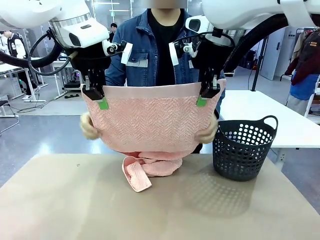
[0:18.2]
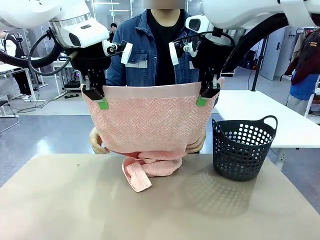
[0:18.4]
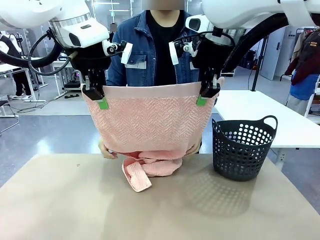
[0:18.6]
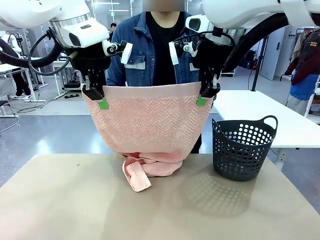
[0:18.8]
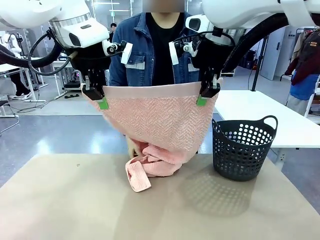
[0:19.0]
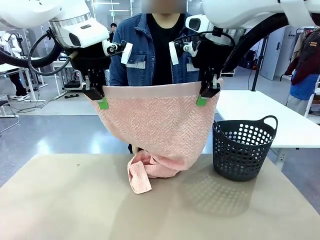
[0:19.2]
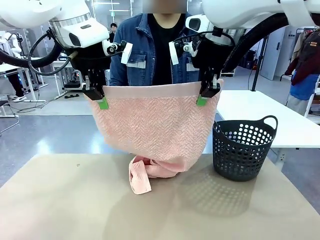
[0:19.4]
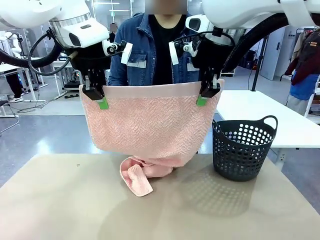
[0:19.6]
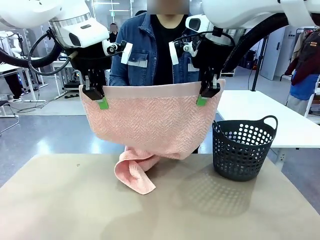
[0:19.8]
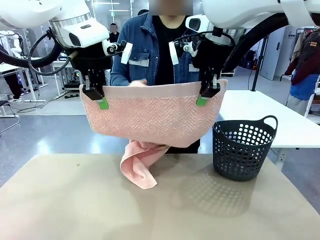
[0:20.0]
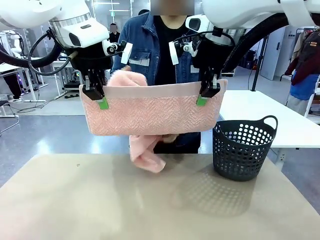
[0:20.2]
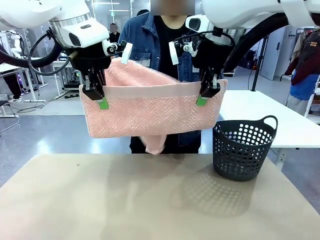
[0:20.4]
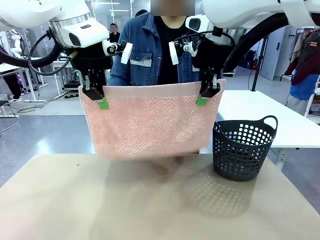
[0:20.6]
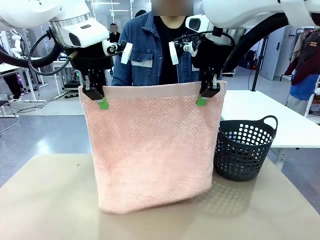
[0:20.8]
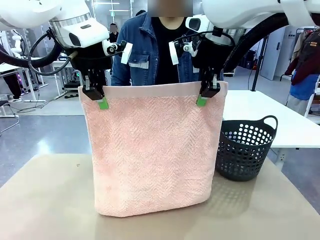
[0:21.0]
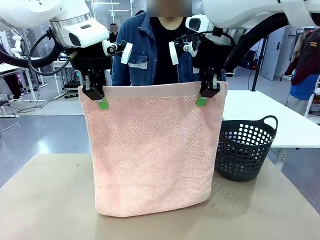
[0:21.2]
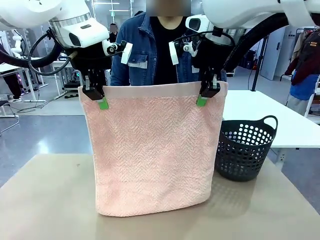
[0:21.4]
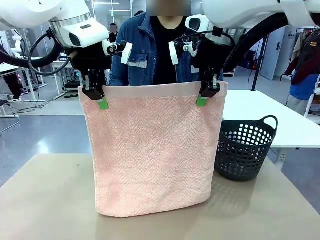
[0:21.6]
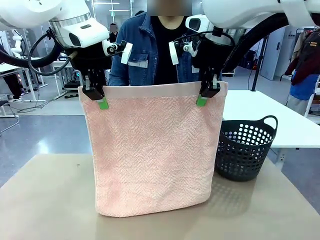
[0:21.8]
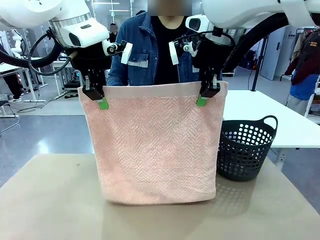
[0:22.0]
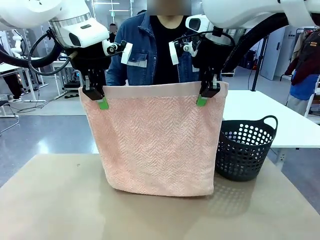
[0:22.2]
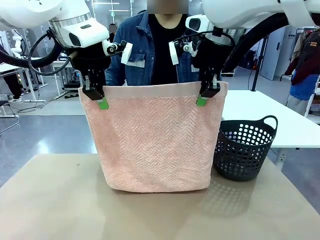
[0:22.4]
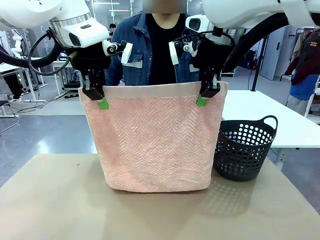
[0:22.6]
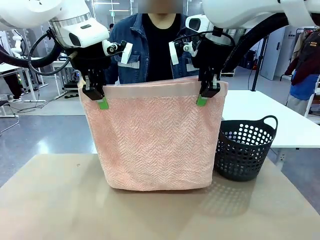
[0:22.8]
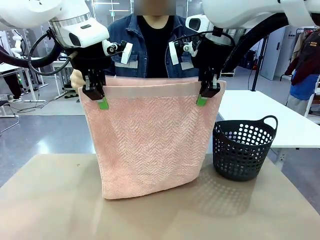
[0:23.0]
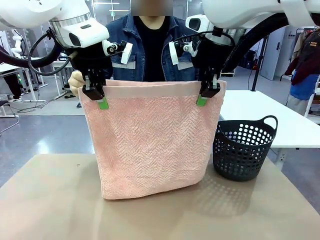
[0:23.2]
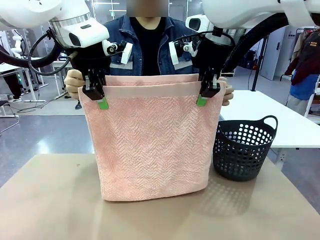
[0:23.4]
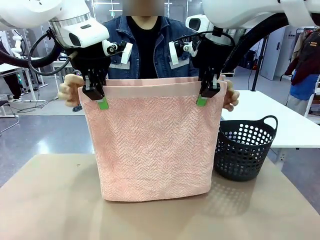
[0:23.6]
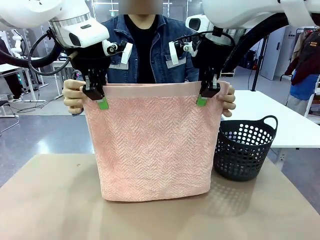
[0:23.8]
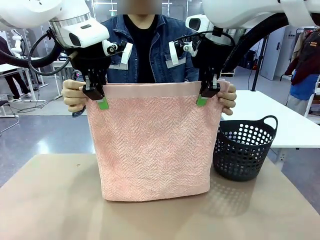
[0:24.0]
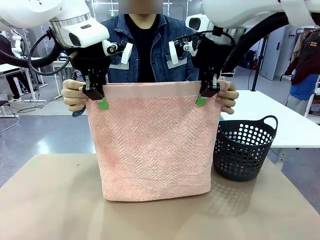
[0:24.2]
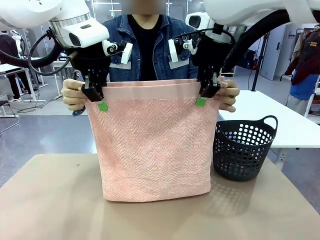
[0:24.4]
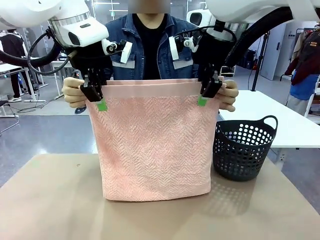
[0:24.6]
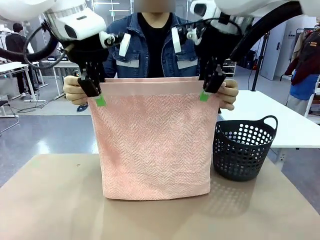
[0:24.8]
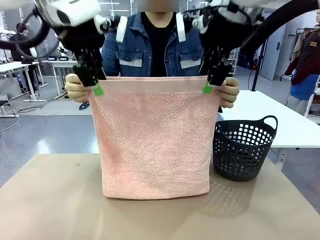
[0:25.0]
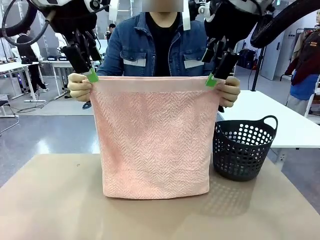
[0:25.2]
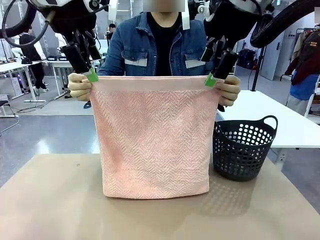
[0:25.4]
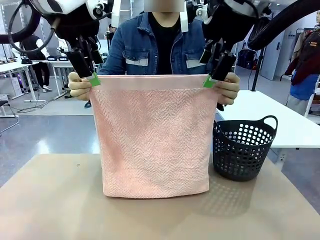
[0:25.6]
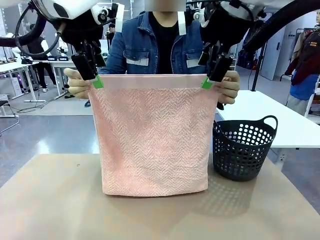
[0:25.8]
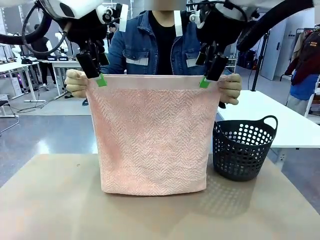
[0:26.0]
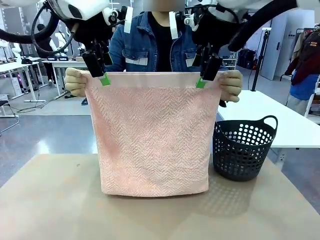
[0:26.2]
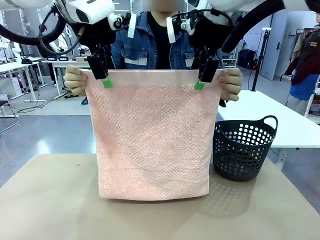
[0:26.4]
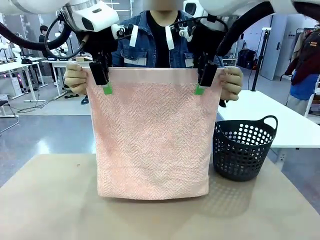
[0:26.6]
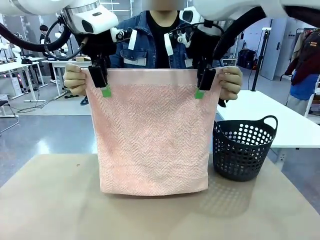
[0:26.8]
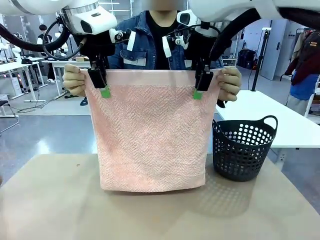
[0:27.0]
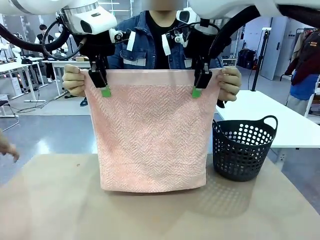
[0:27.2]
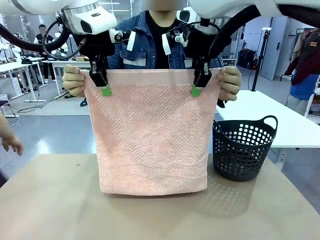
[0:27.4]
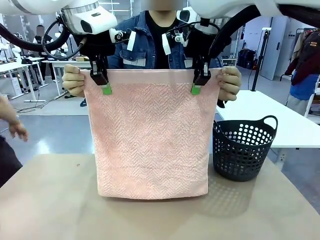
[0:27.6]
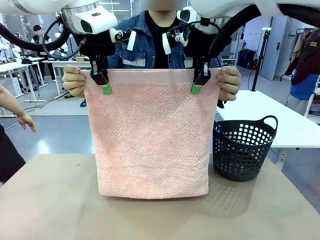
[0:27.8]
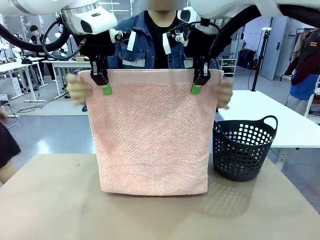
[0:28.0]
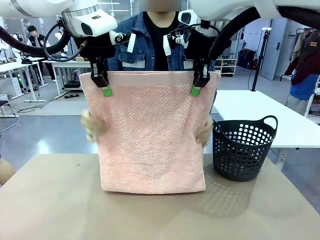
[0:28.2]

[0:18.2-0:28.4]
Task: Fold the towel.
Robot: Release the end of the 100 cm Hotel Towel you were holding and grab the top end of the folded side.
Person: Using the point held by the robot as a reference, grasp the opposite end, fold the towel in half, and then hold both ends of the folded towel.

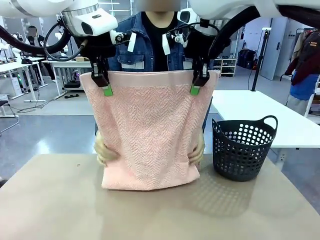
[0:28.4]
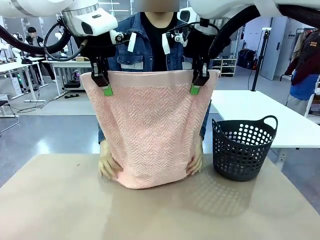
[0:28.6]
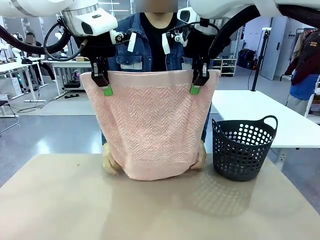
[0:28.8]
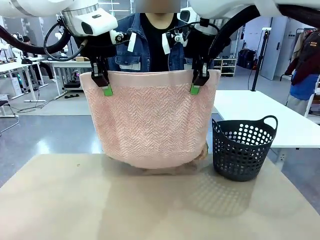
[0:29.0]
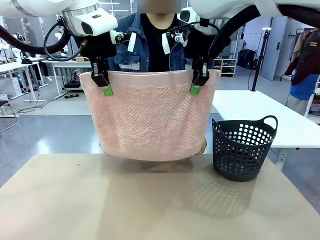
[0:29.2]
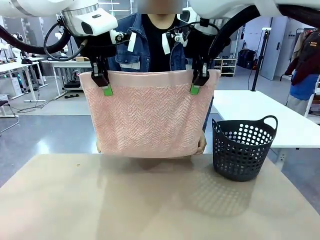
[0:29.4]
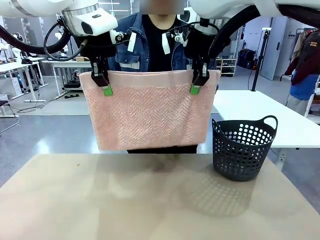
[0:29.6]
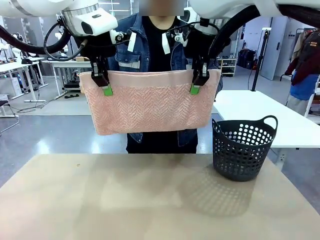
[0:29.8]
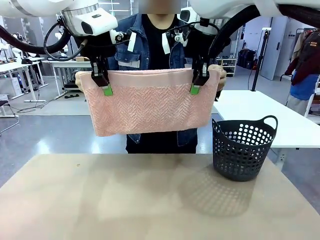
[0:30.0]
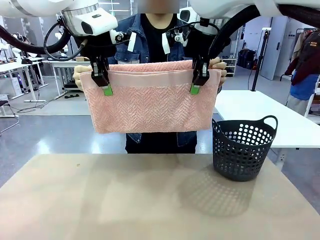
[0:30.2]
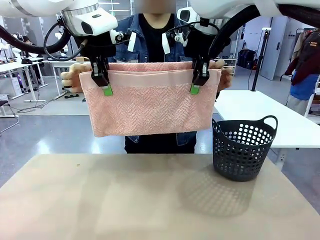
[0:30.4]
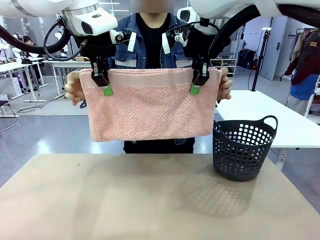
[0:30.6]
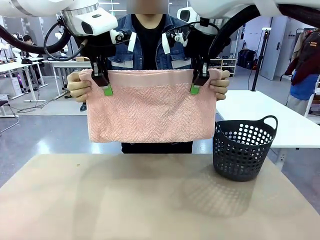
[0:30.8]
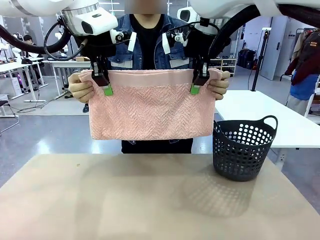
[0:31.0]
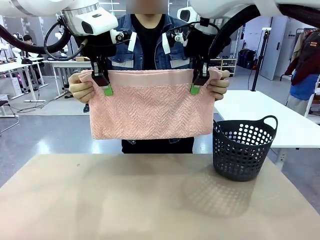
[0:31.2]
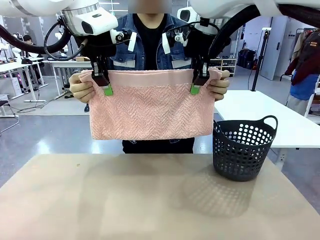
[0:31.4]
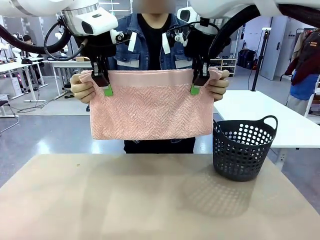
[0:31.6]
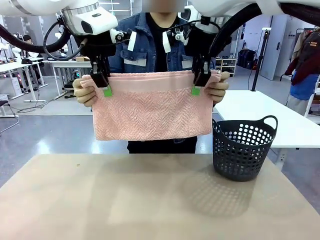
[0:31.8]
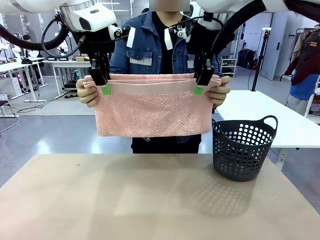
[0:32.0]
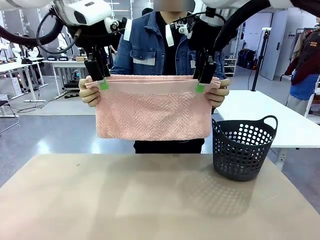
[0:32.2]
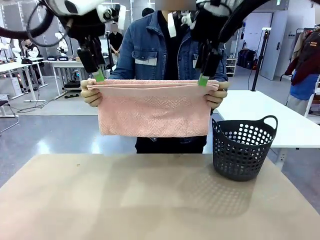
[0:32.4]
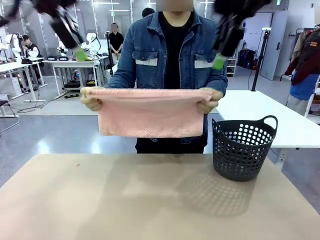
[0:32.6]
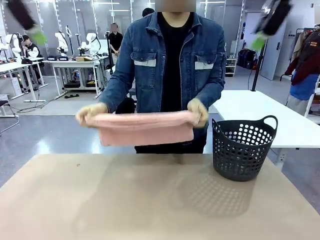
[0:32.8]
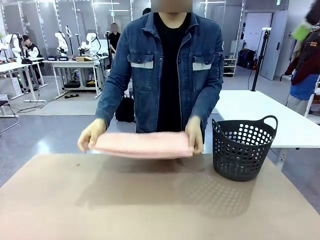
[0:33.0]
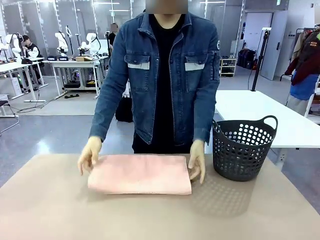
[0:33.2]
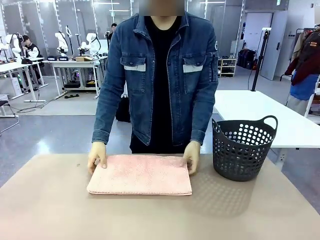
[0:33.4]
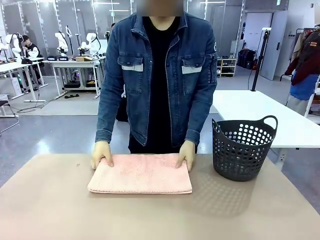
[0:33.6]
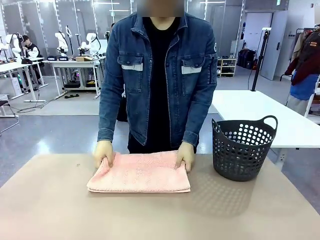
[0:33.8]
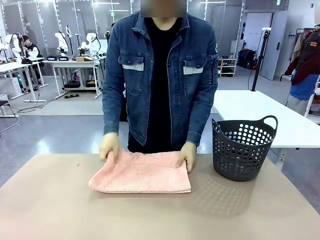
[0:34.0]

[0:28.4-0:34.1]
Robot: Release the end of the 100 cm Hotel Towel you were holding.
Person: Place the towel at the center of the robot table and fold it in half.
